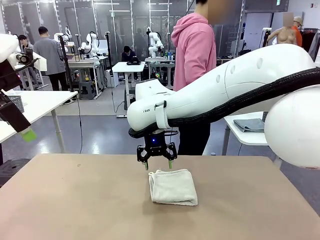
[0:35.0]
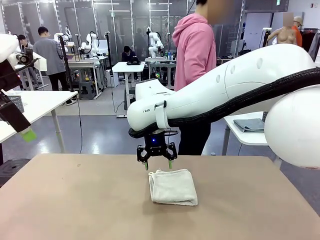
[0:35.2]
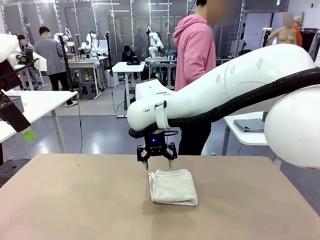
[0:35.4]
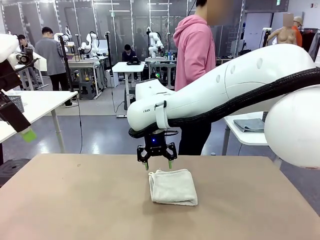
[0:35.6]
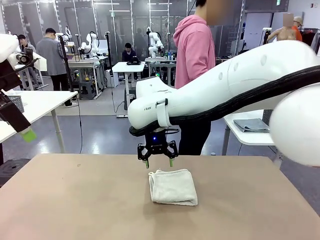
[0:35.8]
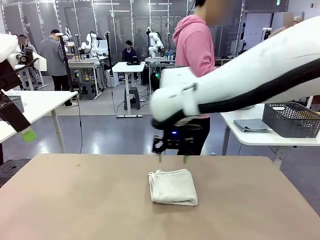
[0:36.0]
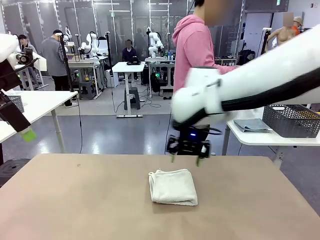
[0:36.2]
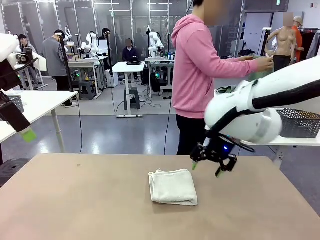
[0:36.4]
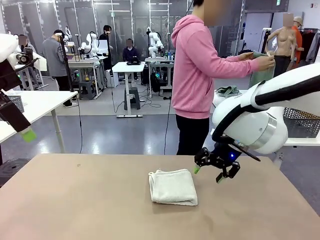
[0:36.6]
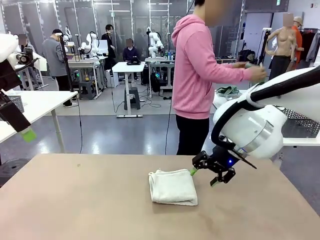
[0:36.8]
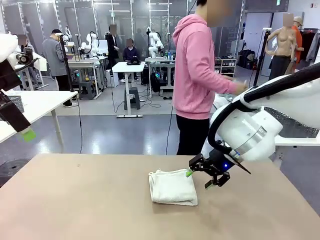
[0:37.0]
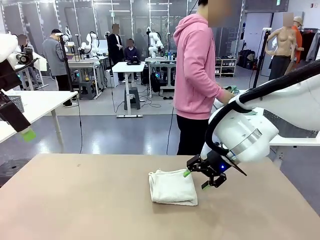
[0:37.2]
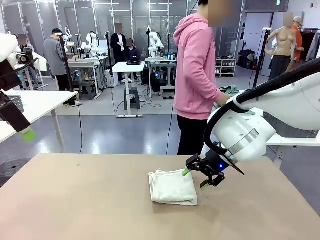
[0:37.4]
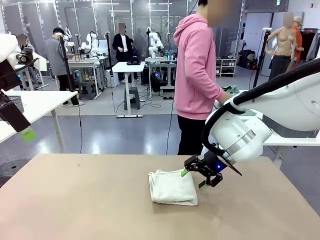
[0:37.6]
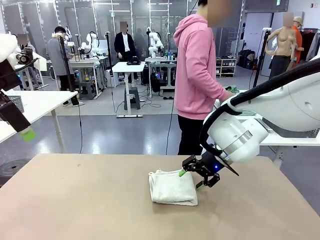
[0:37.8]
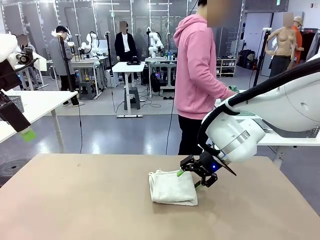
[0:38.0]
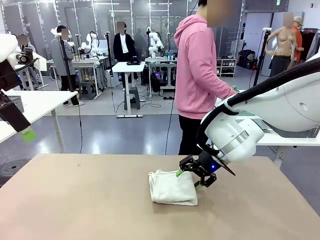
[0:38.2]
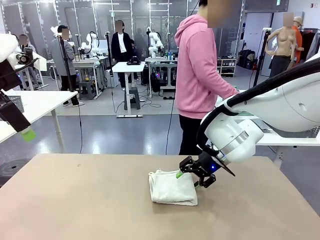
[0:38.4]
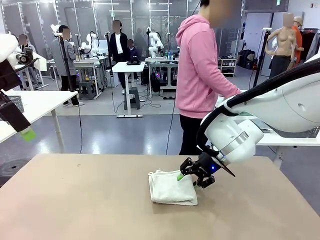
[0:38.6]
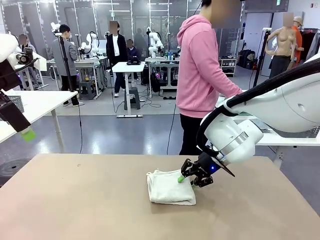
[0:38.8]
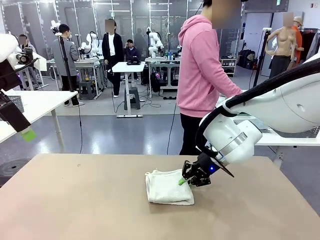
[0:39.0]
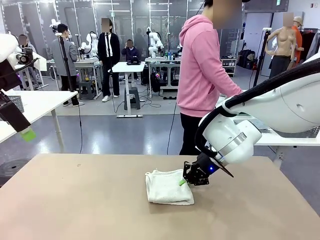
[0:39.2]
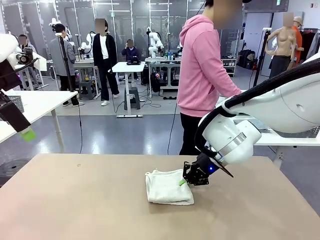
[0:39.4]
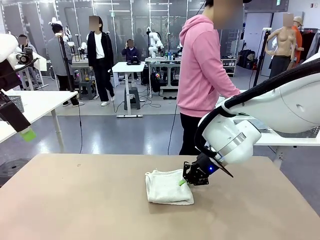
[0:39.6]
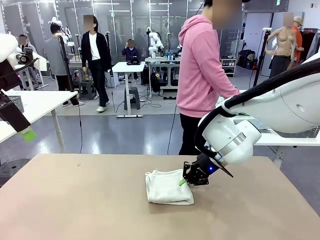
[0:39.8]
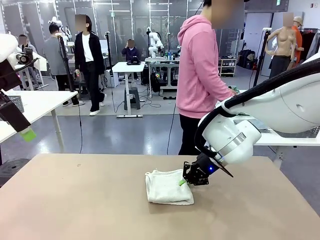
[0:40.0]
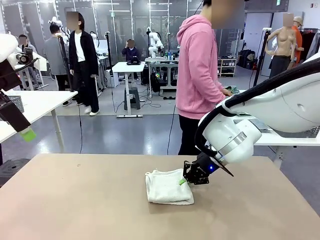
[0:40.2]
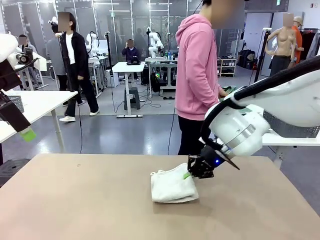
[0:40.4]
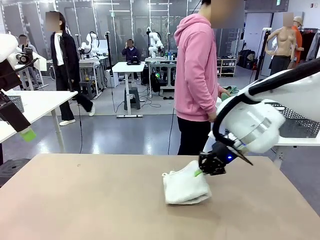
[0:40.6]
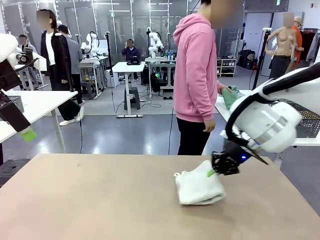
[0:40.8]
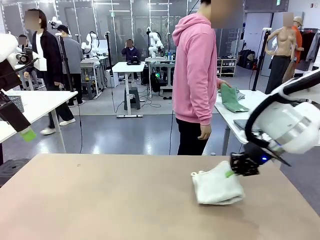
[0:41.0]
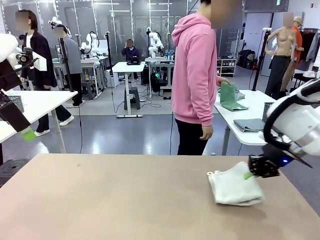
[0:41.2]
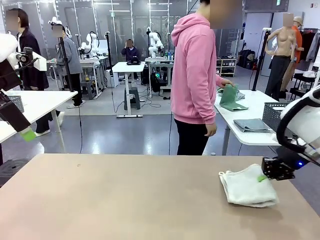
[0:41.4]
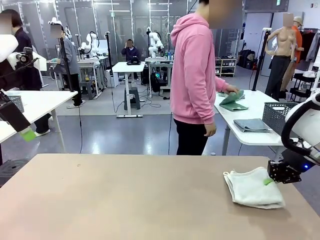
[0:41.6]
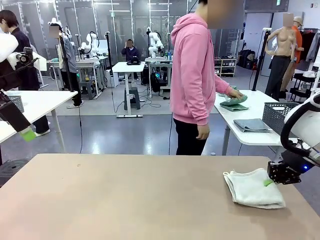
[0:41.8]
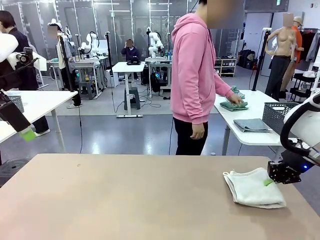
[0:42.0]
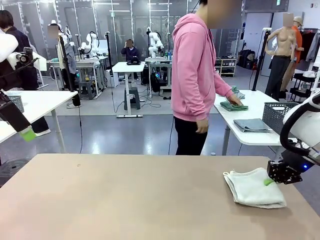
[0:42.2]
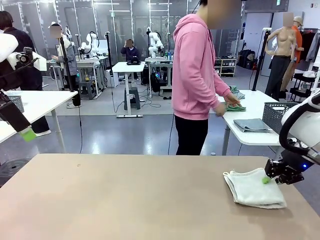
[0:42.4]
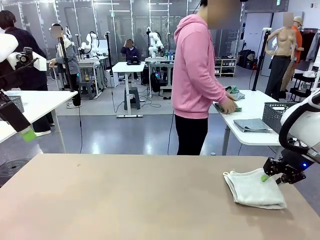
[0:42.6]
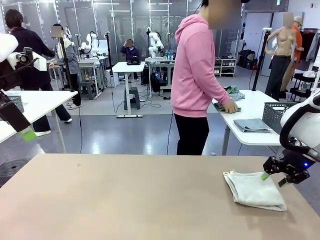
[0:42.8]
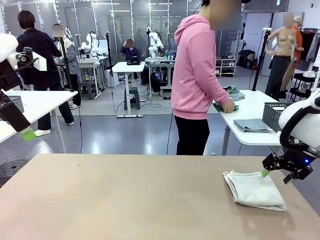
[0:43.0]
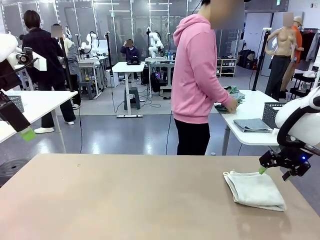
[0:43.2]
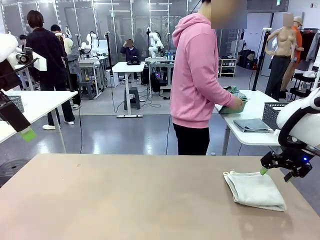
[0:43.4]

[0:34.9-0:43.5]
Task: Fold the towels and place them in the basket.
Robot: Place the folded Towel with hook on the right side of the table.
Person: Pick up one towel from the left side of the human table, fold it in half twice, and stack it on the right side of the table.

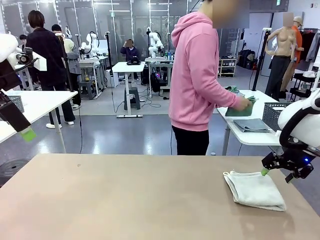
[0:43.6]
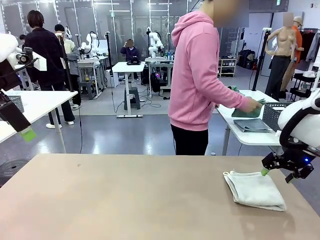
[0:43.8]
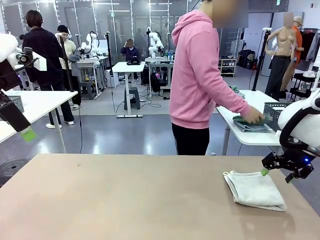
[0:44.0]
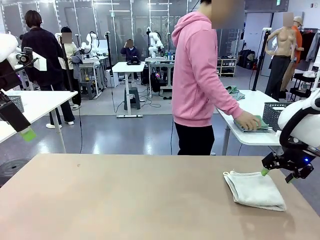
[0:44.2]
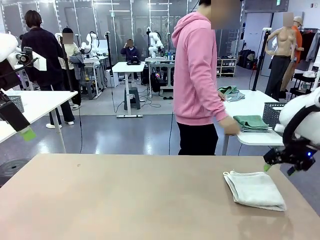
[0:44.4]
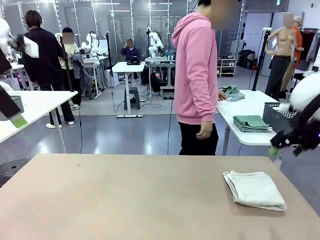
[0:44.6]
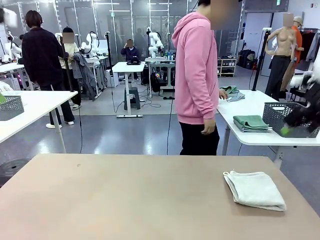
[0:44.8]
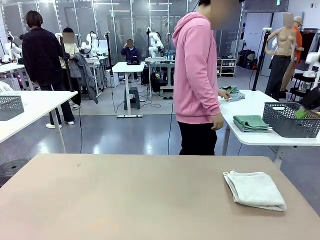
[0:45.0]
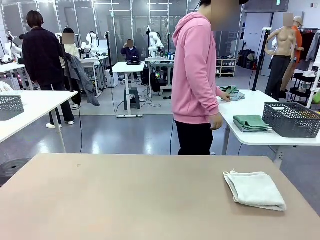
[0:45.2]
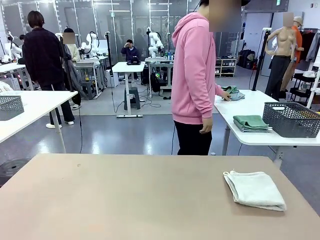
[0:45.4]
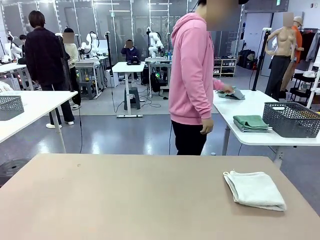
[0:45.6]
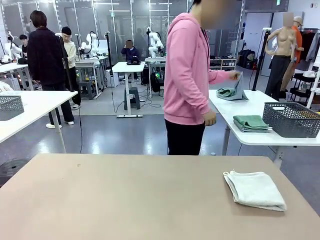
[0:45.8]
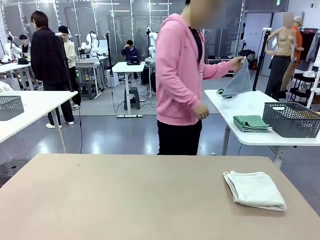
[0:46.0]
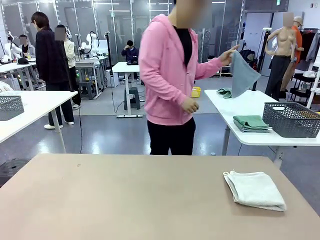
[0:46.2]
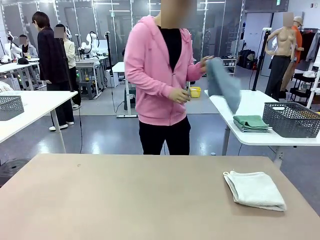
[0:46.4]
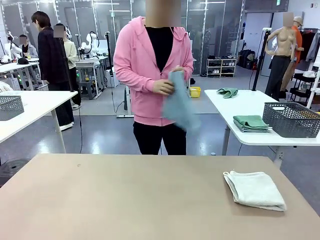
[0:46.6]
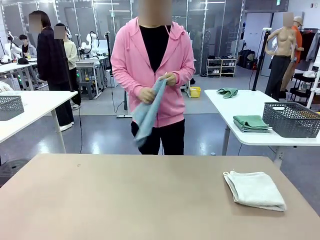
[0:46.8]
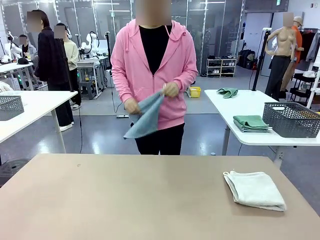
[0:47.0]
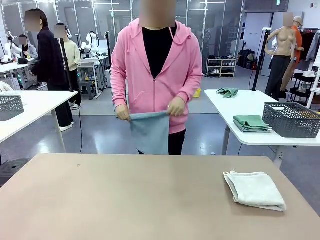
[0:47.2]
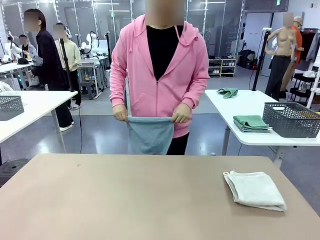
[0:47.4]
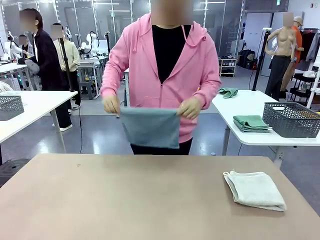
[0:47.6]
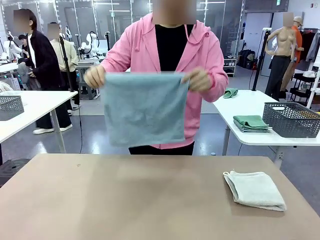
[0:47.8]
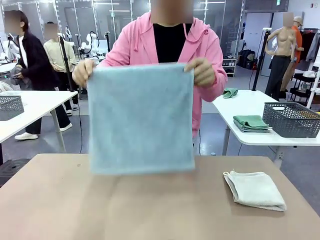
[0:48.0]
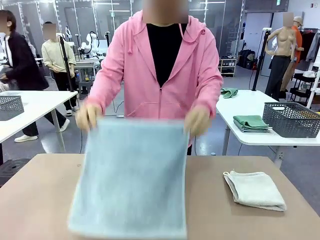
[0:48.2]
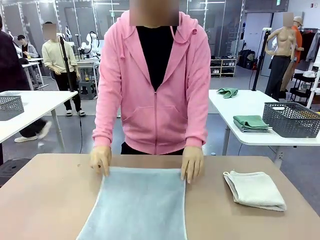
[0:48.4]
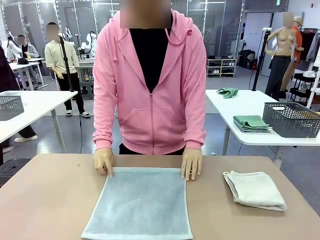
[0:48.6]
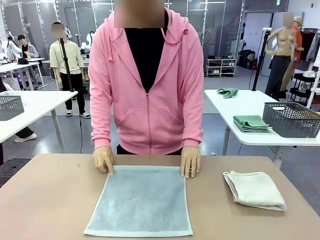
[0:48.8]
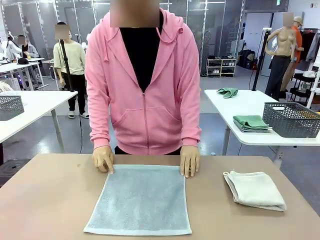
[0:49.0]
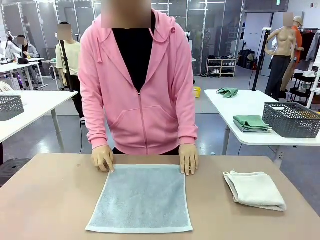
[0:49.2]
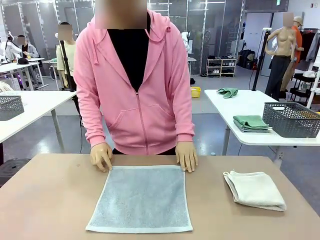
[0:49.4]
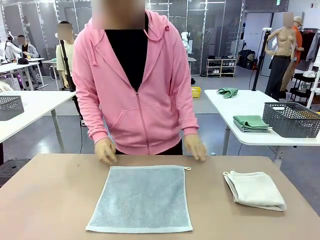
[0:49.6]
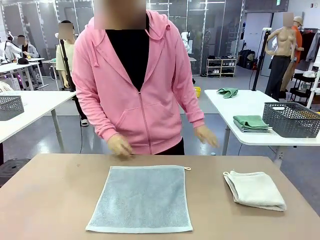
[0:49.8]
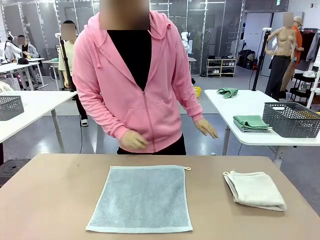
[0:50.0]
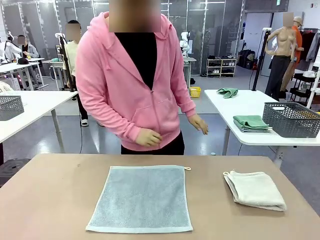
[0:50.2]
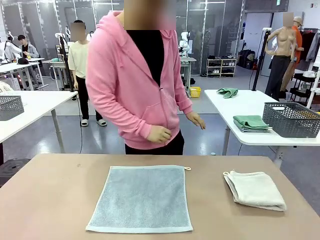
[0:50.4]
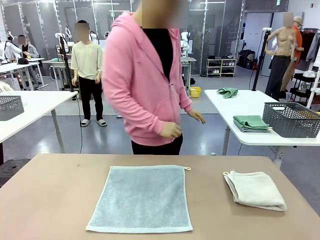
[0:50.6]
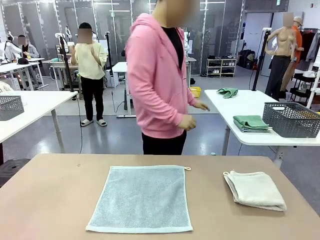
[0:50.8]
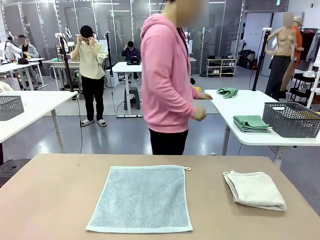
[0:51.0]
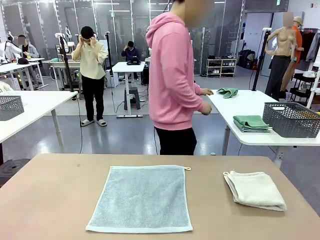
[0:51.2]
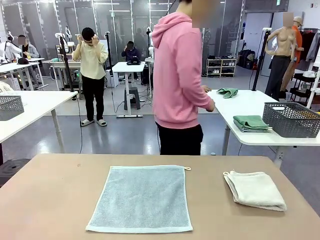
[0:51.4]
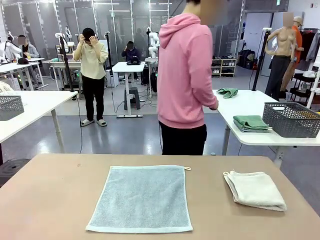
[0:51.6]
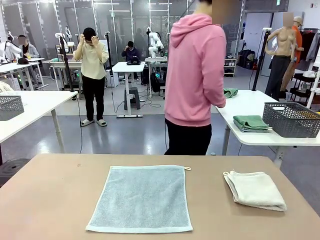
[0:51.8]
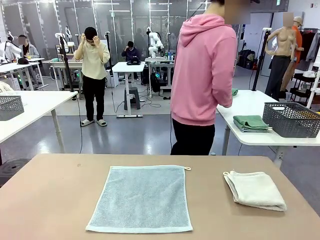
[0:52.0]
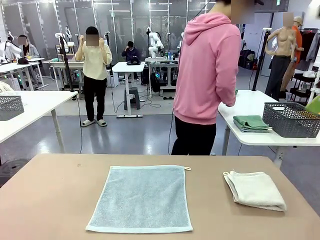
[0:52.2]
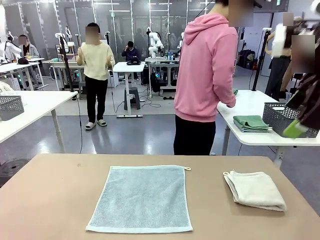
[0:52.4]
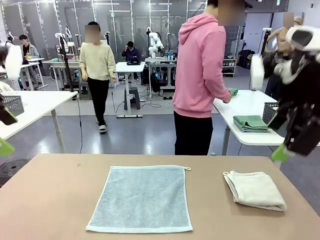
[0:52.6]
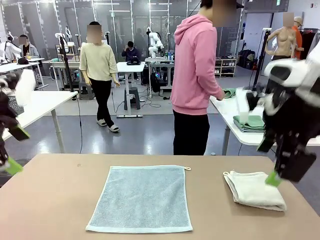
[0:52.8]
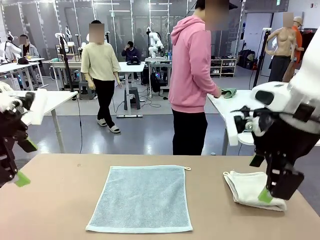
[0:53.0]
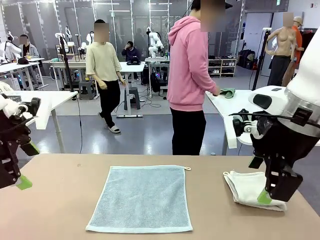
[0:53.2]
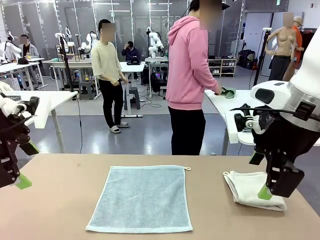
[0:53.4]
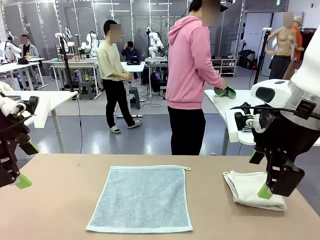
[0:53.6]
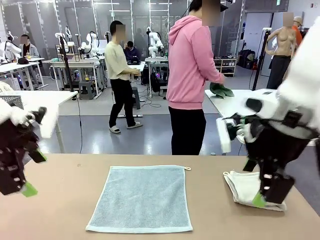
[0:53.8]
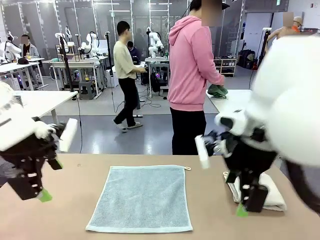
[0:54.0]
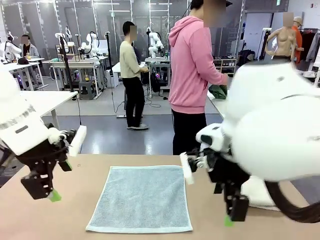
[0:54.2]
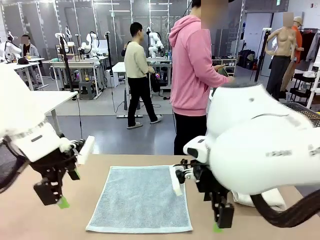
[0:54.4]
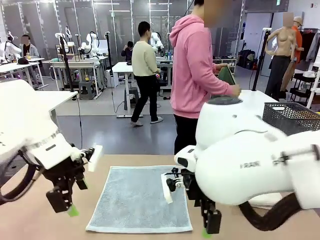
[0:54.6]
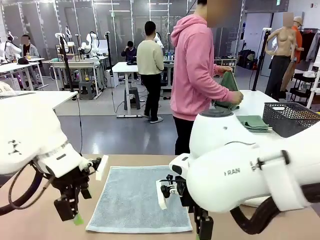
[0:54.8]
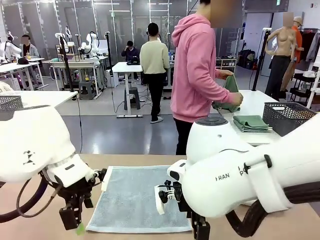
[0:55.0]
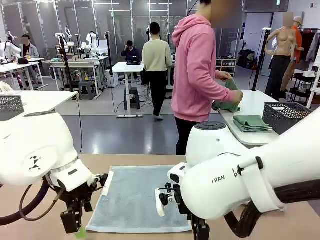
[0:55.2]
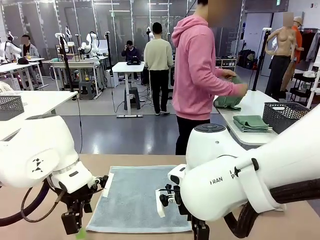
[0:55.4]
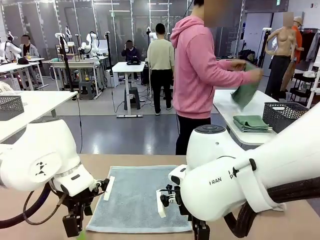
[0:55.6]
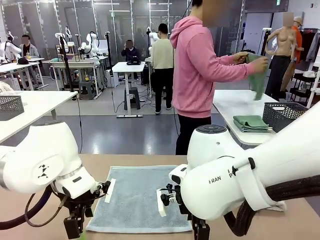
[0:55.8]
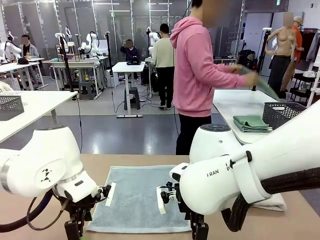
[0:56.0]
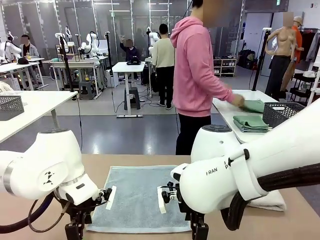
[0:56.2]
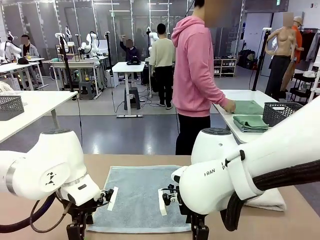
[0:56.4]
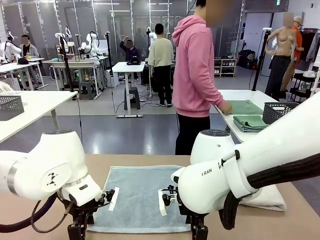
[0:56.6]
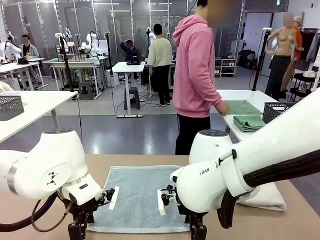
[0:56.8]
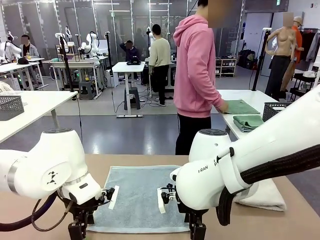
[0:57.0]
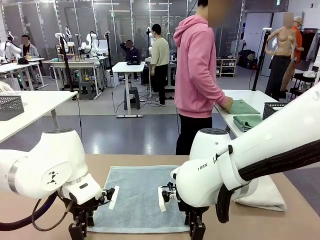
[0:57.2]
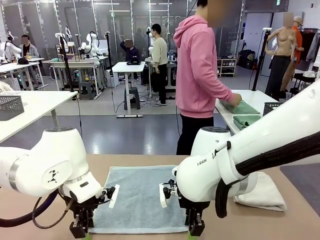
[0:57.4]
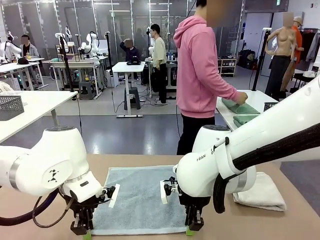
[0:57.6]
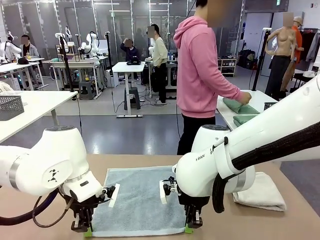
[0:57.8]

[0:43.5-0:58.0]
Robot: When a person lays out a Towel with hook on the table, fold it in half twice.
Person: Pick up one towel from the left side of the human table and spread it out at the center of the robot table. Pick up one towel from the left side of the human table, fold it in half twice, and stack it on the right side of the table.
